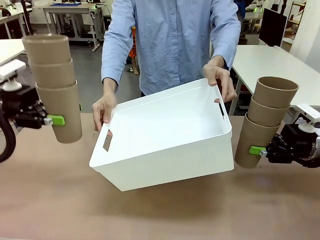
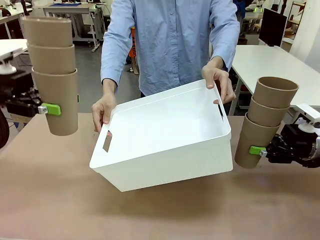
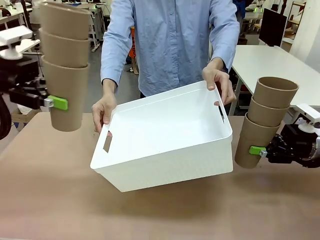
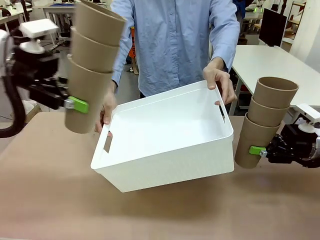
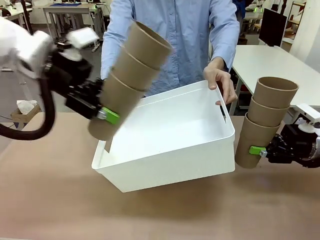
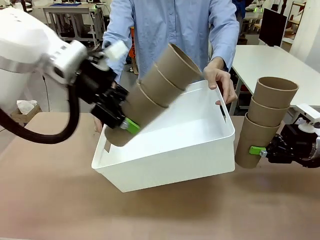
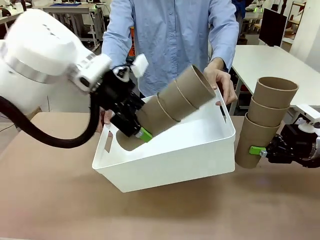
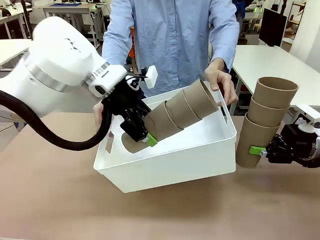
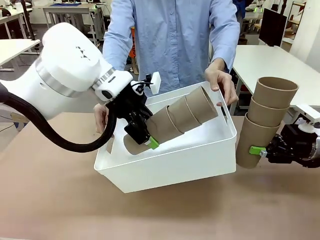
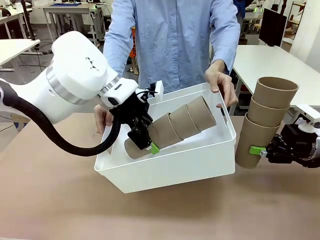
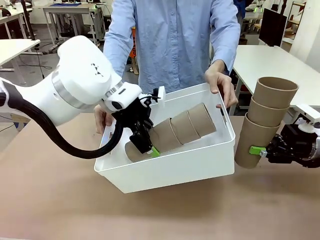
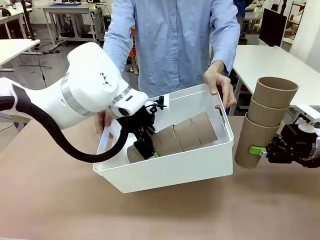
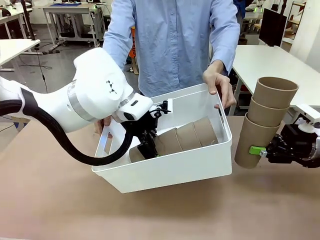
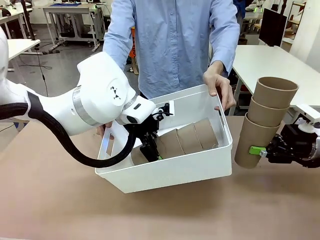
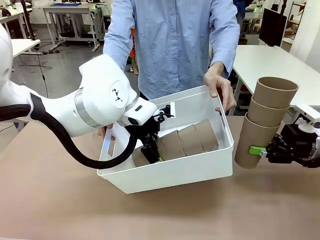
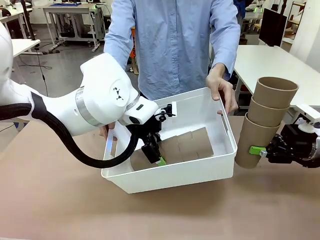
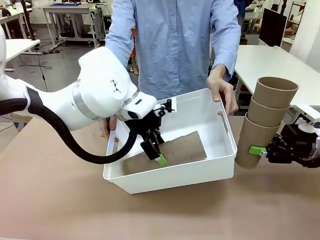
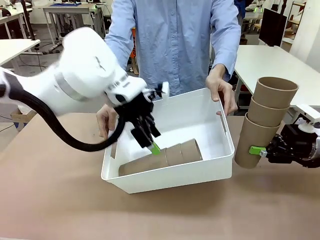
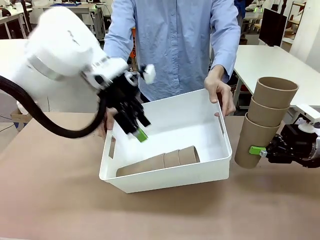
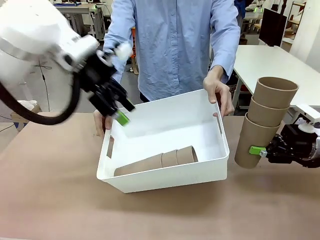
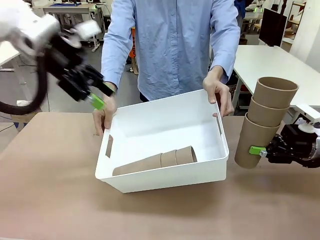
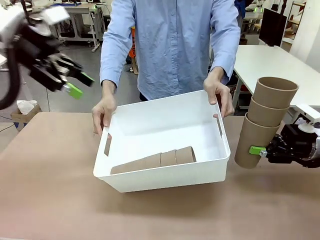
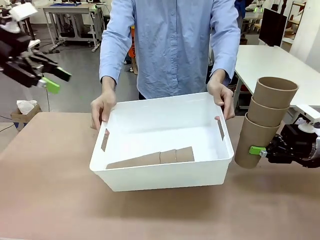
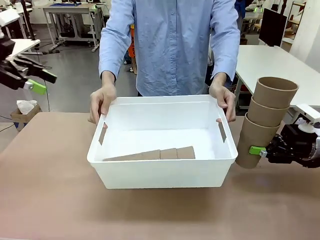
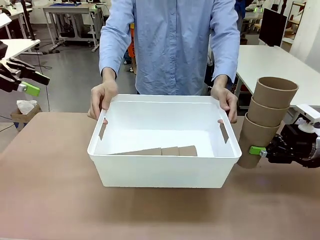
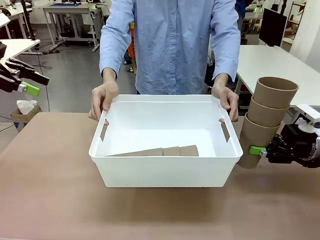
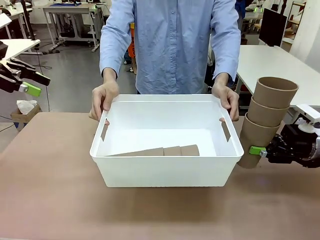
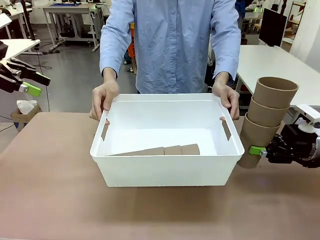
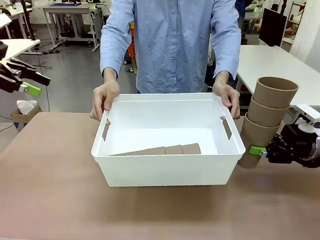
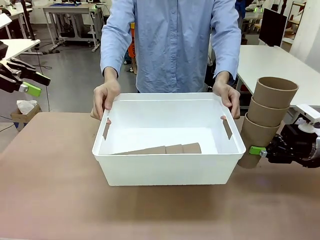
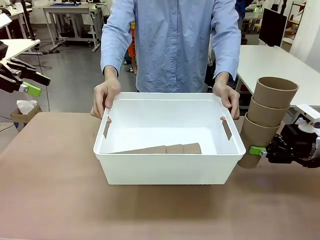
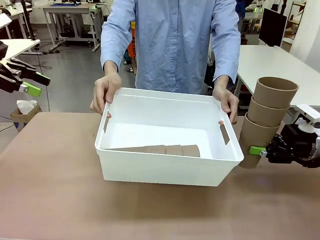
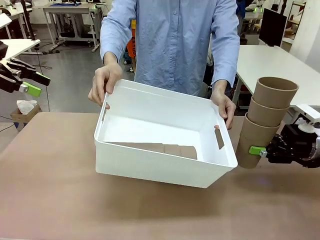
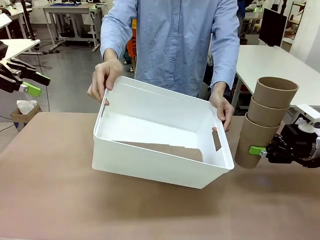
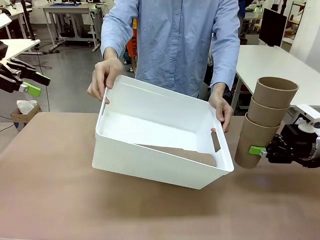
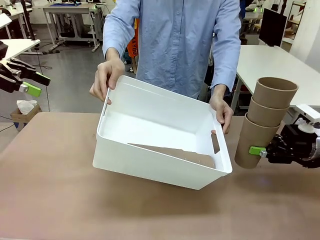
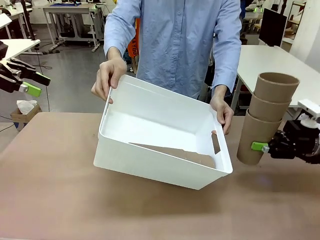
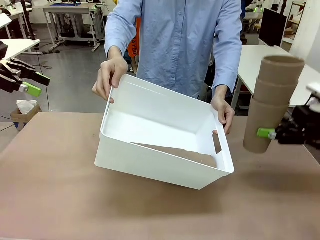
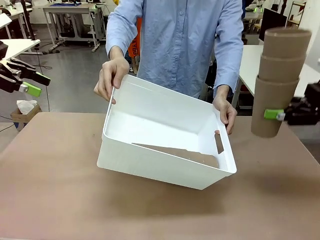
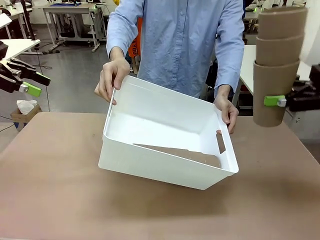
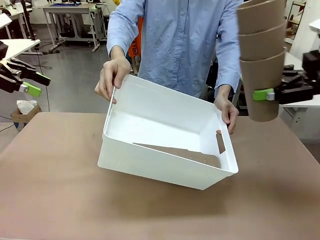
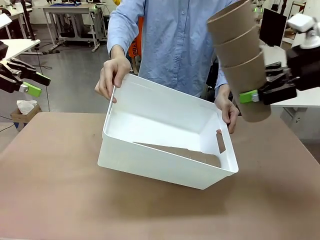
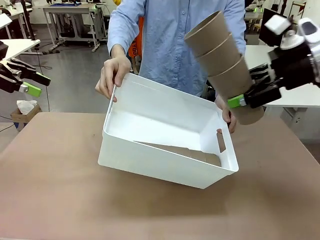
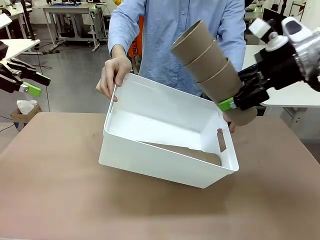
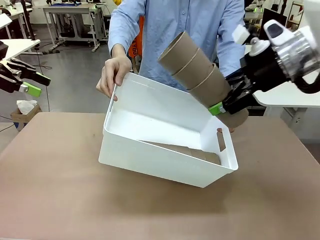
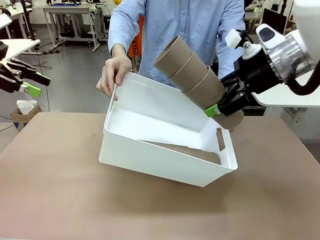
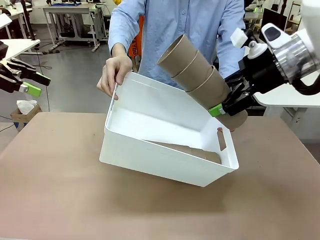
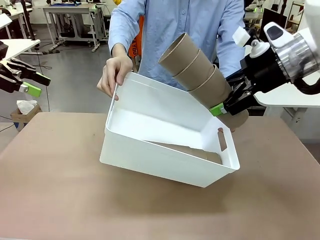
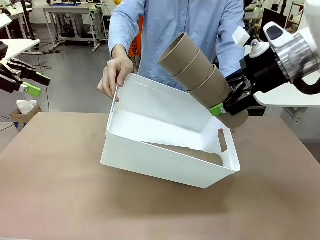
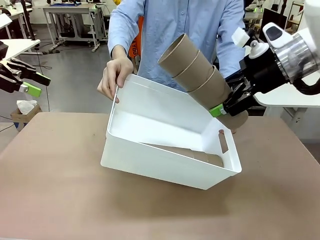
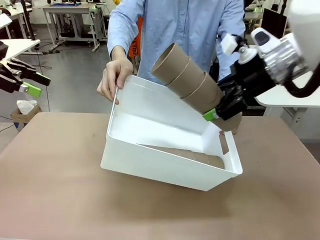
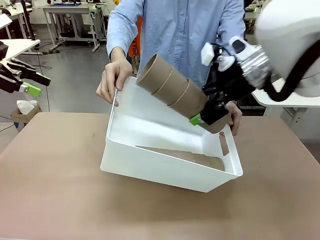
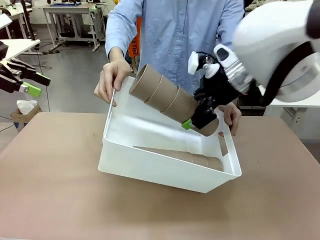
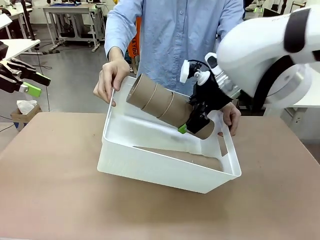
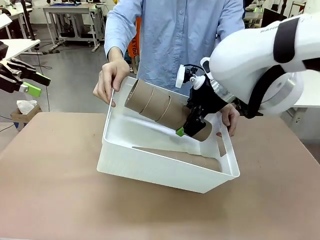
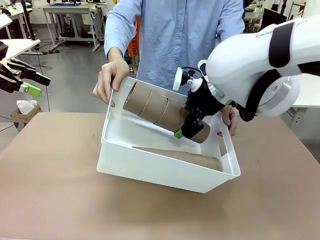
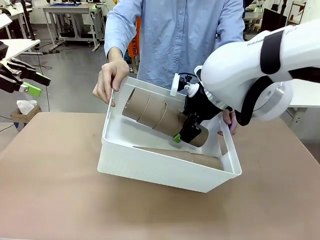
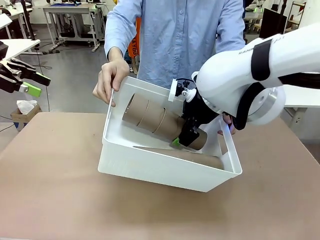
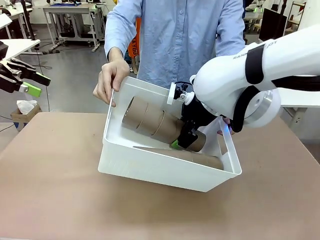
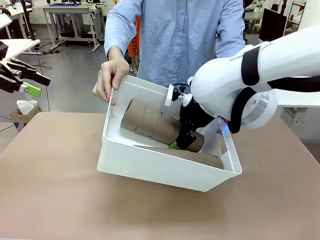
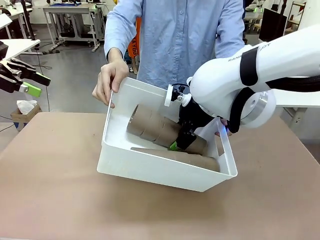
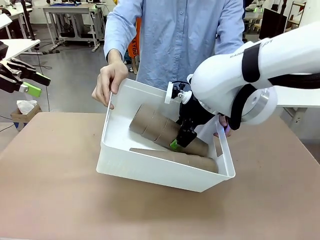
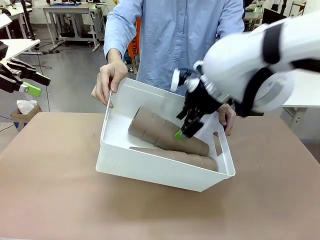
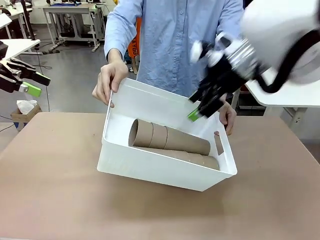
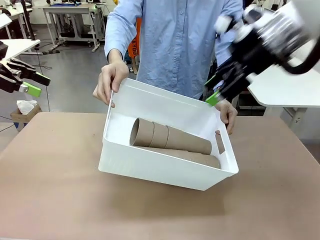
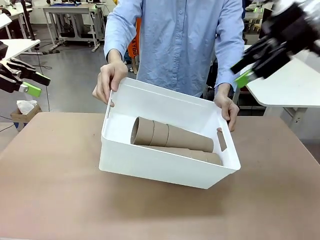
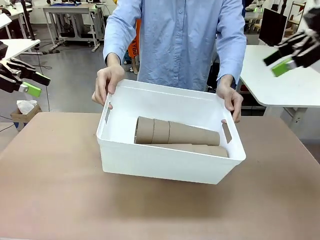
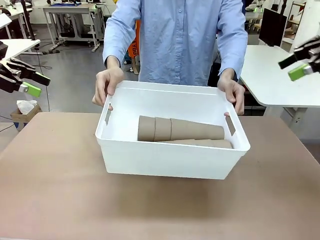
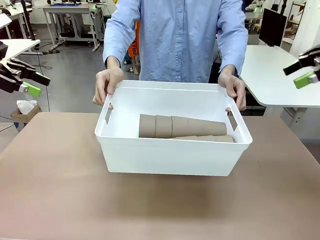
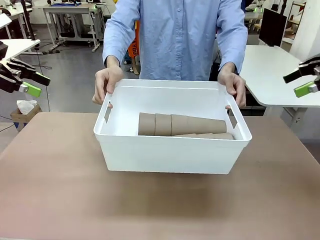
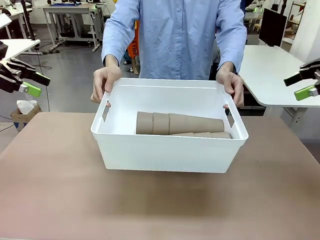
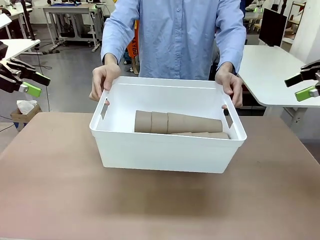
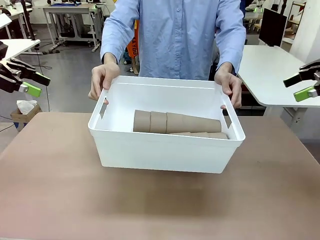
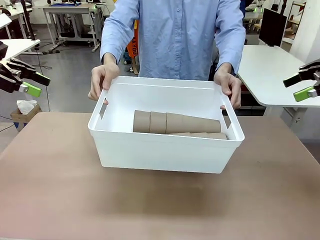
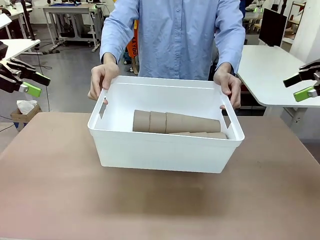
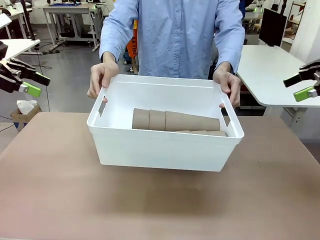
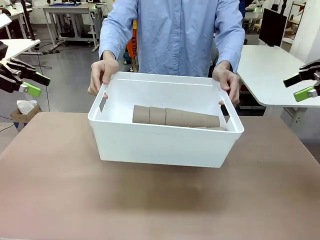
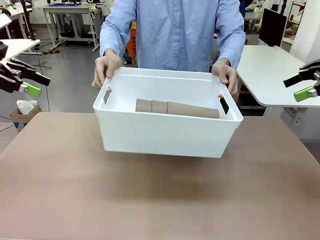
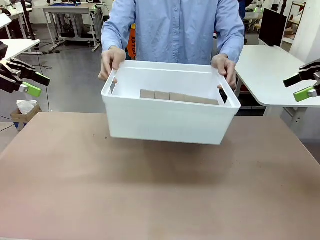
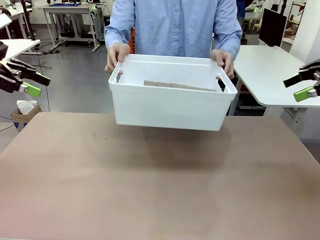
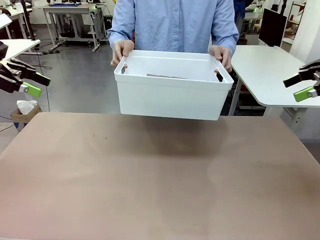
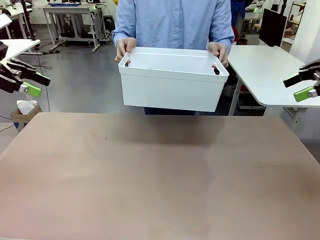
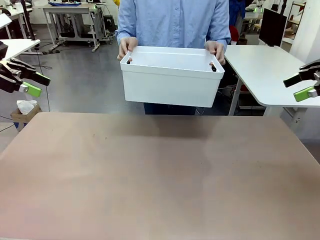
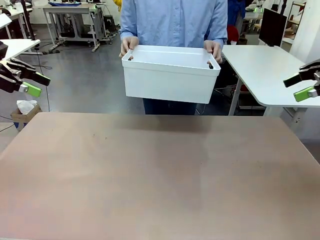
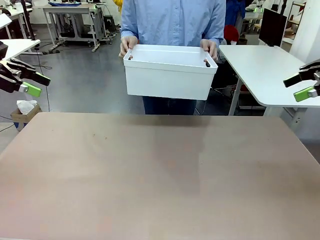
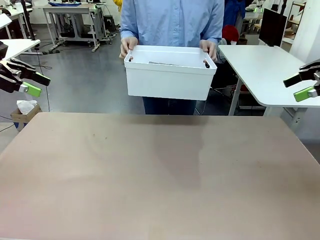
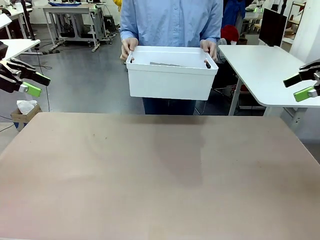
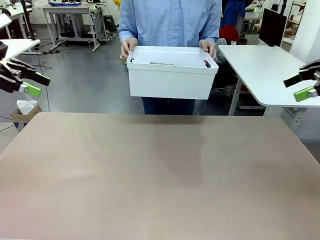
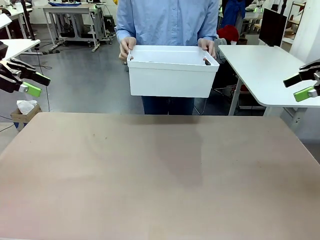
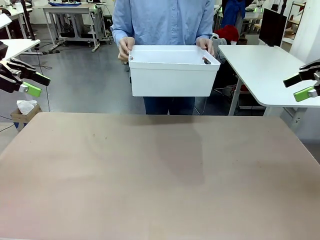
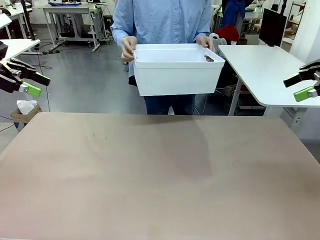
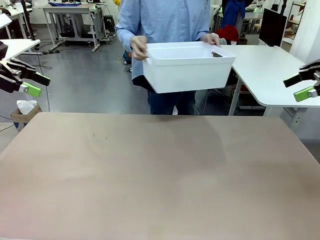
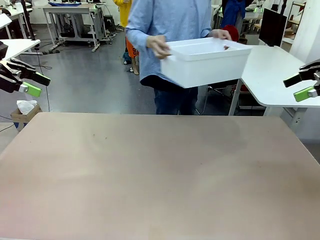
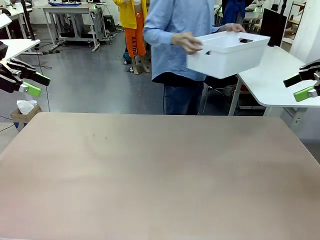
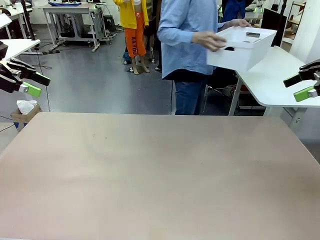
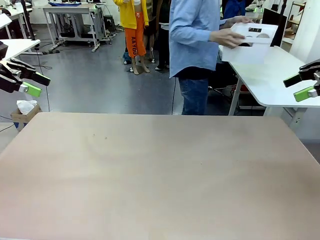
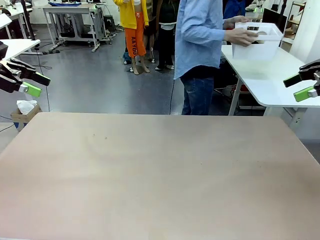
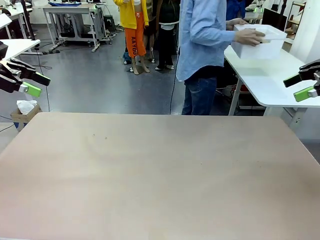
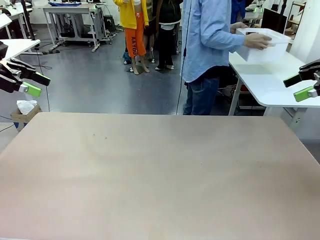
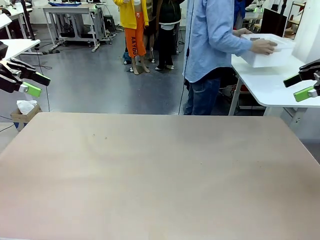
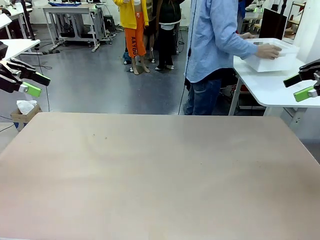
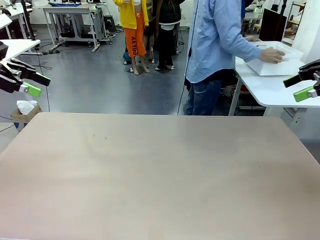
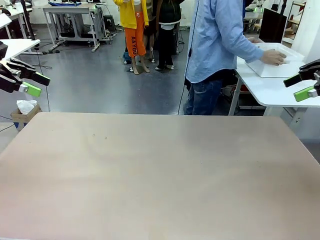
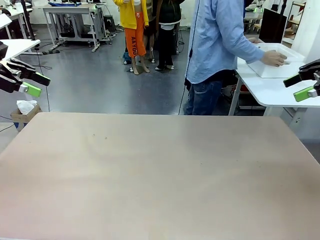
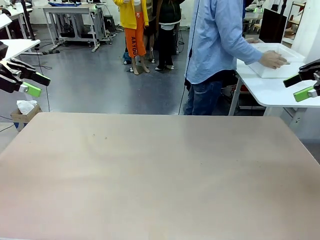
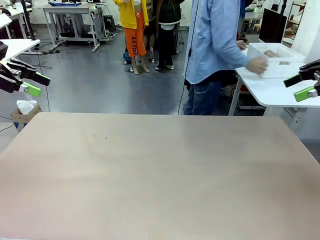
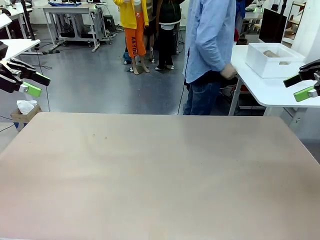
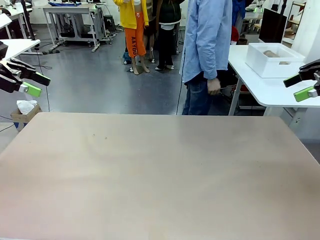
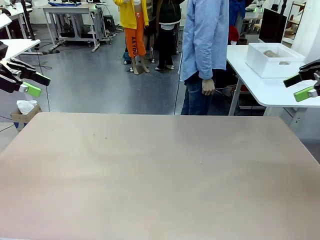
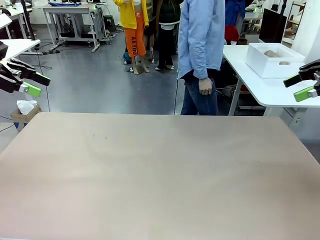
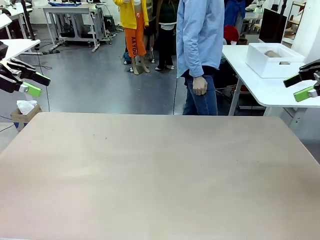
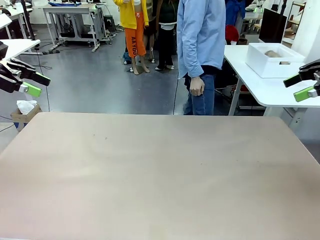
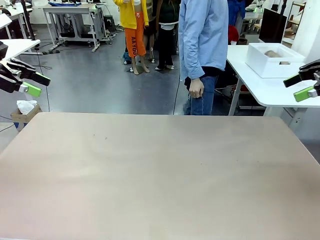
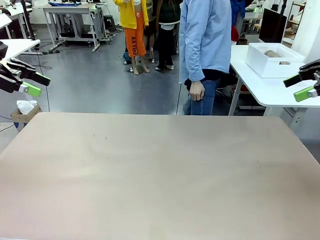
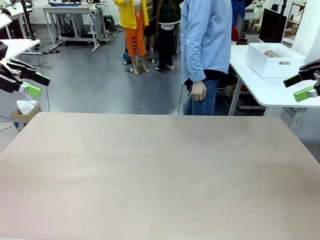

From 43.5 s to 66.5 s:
Task: Stack the cups and store them in the basket.
Robot: Place the stack of Reusable plastic cups into the Pantry Basket.
Person: Place the basket containing the cups in the middle of the Human Table.
